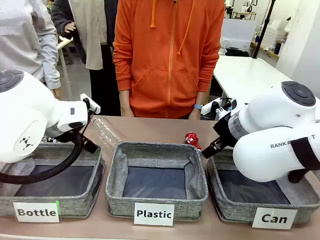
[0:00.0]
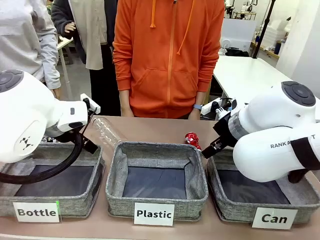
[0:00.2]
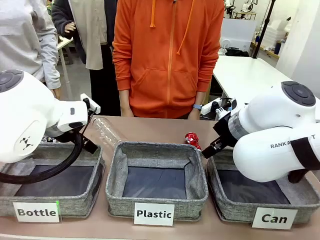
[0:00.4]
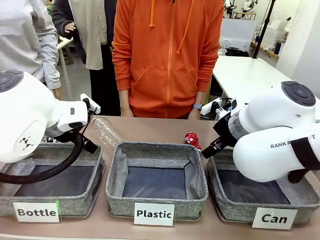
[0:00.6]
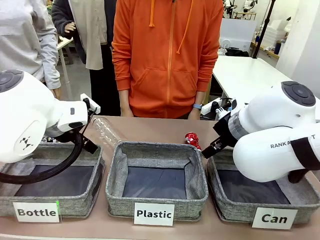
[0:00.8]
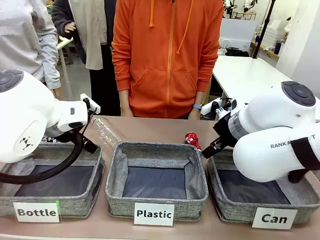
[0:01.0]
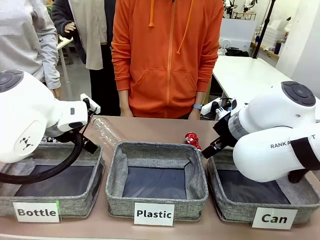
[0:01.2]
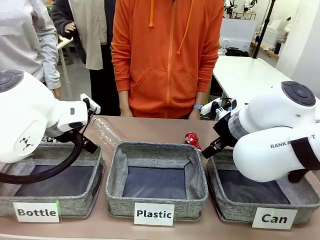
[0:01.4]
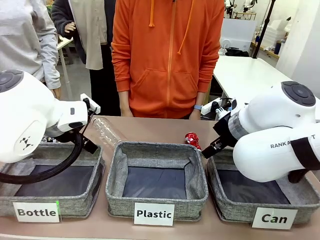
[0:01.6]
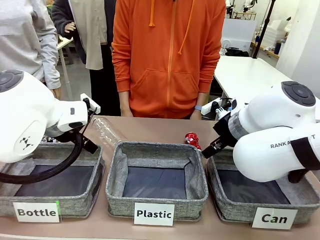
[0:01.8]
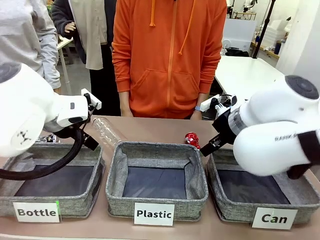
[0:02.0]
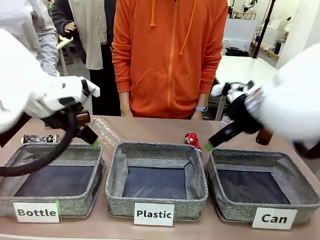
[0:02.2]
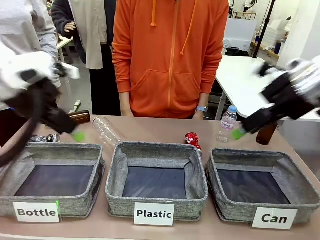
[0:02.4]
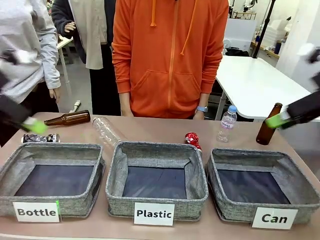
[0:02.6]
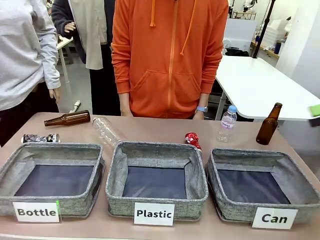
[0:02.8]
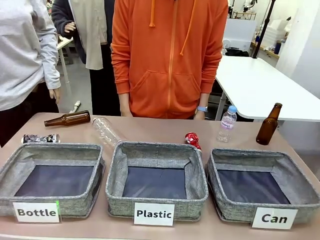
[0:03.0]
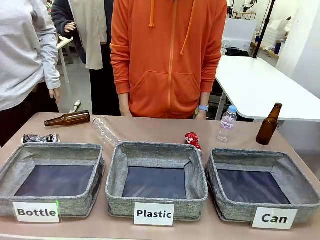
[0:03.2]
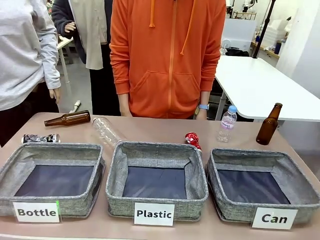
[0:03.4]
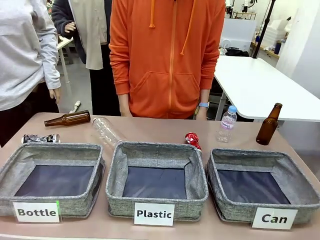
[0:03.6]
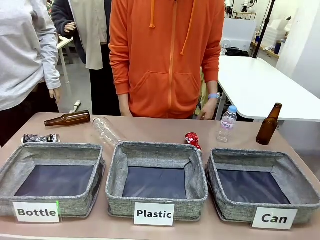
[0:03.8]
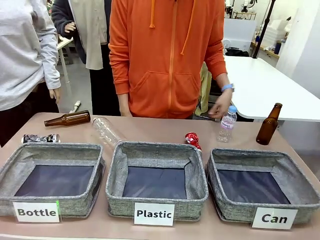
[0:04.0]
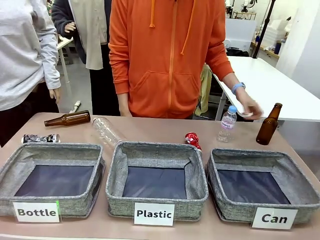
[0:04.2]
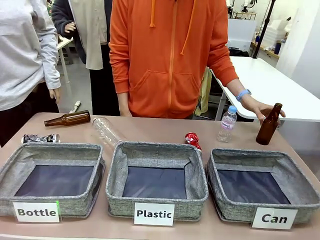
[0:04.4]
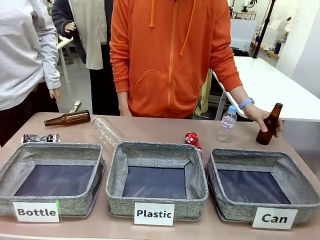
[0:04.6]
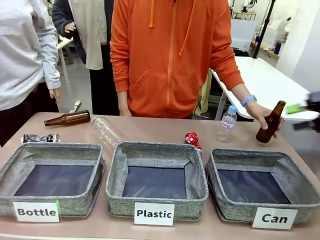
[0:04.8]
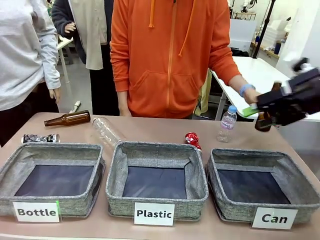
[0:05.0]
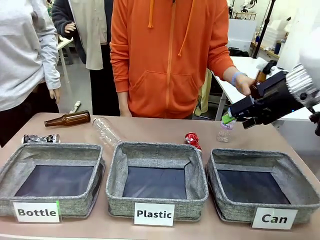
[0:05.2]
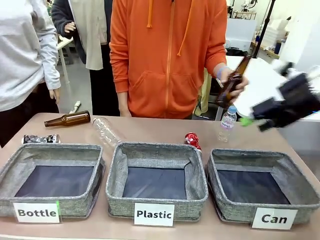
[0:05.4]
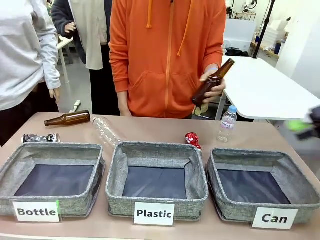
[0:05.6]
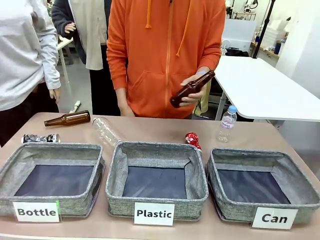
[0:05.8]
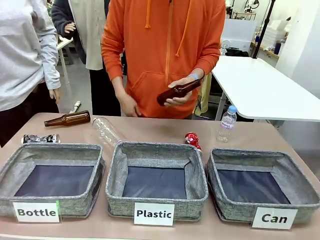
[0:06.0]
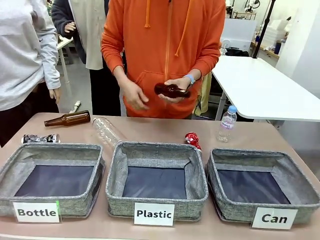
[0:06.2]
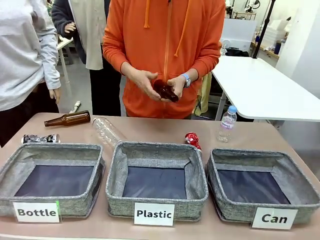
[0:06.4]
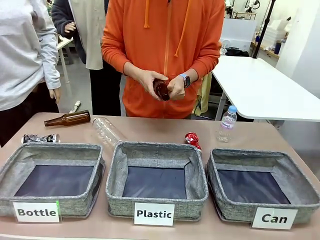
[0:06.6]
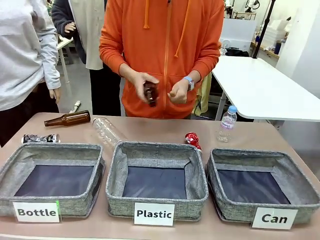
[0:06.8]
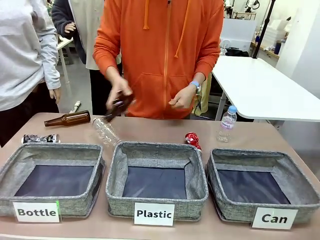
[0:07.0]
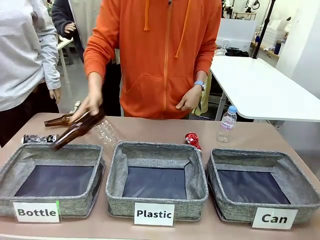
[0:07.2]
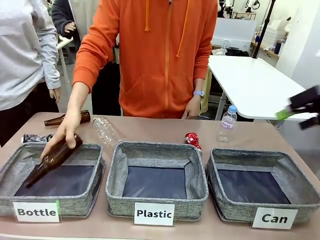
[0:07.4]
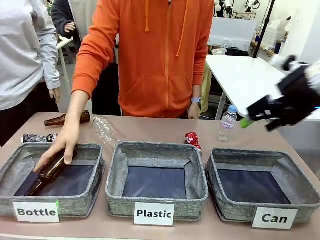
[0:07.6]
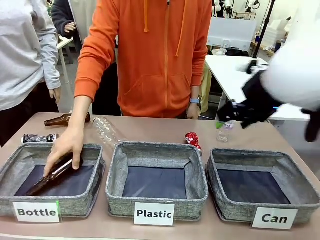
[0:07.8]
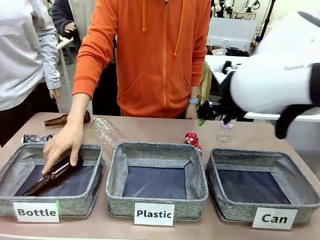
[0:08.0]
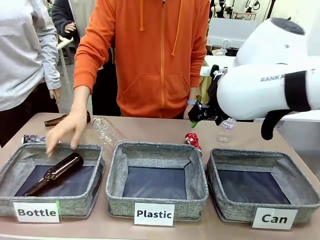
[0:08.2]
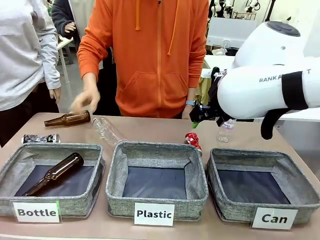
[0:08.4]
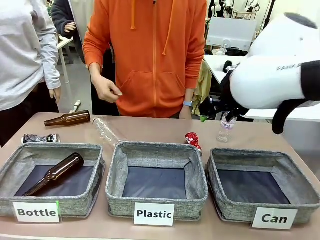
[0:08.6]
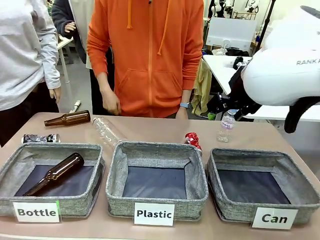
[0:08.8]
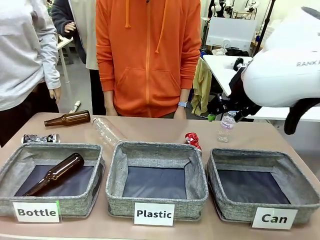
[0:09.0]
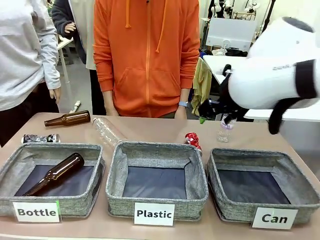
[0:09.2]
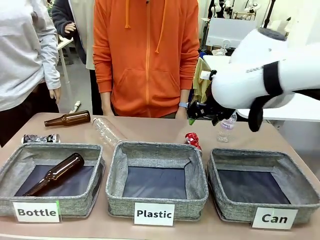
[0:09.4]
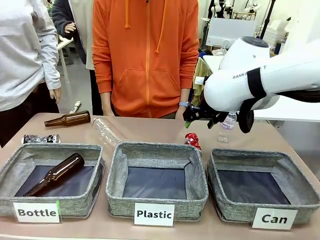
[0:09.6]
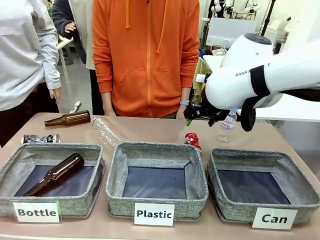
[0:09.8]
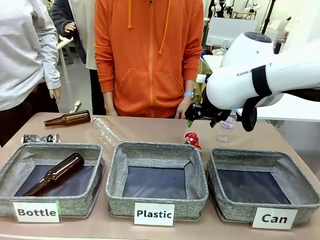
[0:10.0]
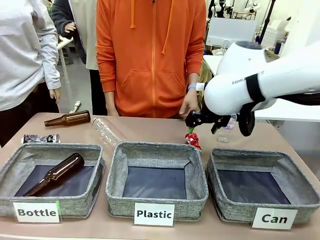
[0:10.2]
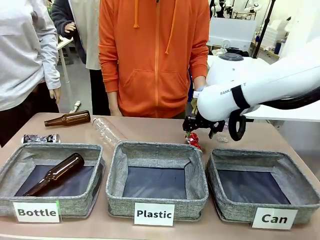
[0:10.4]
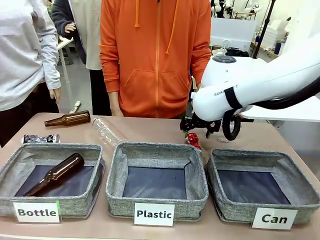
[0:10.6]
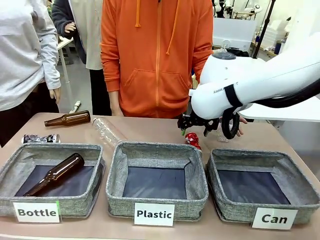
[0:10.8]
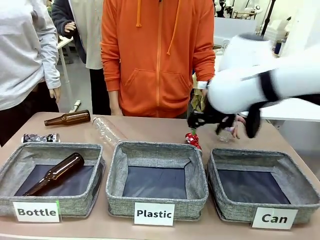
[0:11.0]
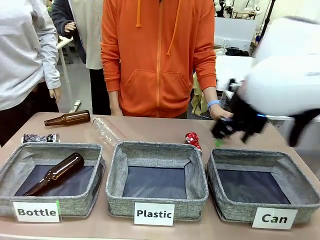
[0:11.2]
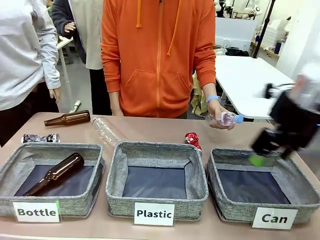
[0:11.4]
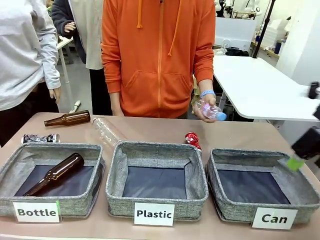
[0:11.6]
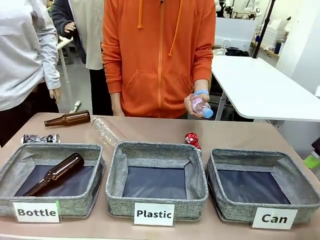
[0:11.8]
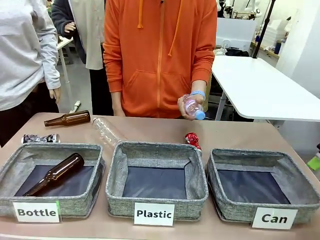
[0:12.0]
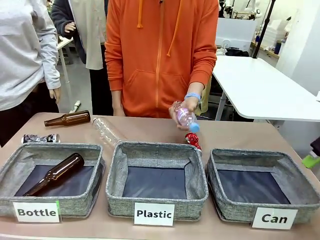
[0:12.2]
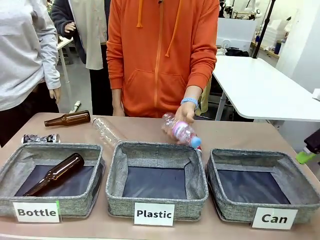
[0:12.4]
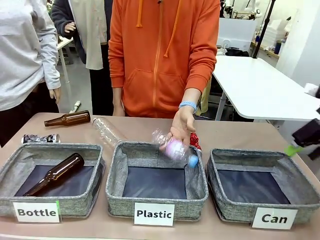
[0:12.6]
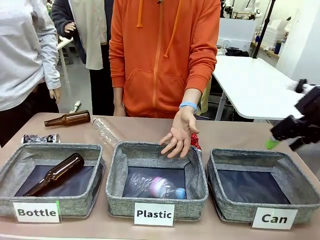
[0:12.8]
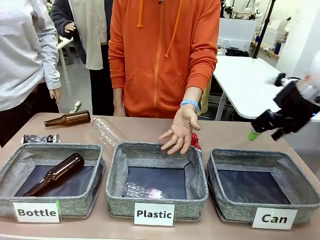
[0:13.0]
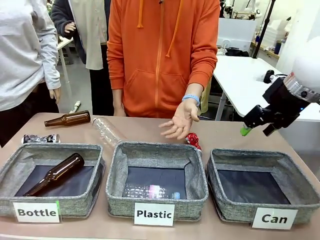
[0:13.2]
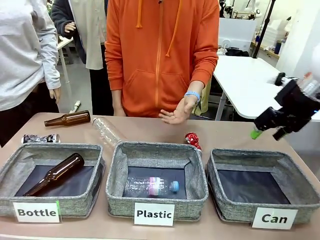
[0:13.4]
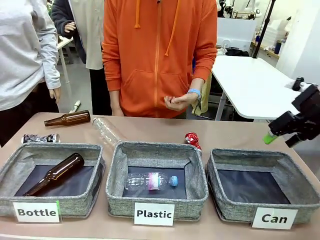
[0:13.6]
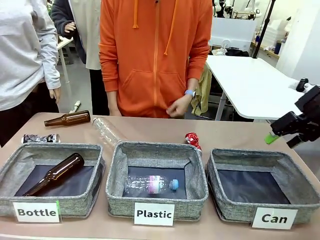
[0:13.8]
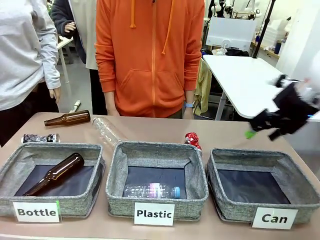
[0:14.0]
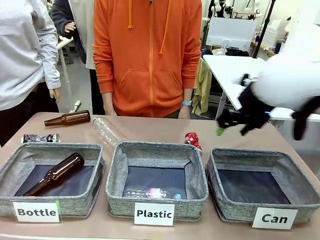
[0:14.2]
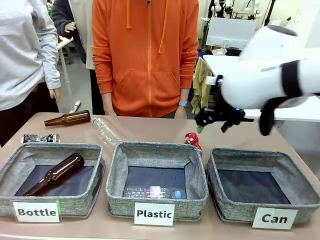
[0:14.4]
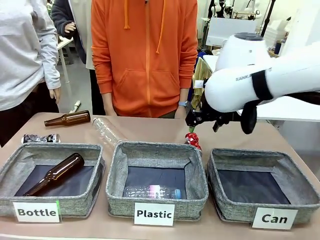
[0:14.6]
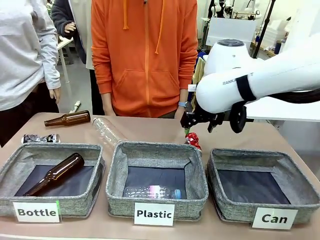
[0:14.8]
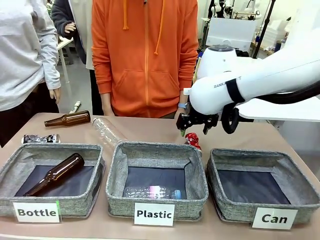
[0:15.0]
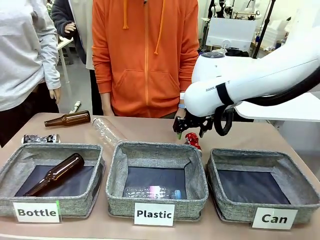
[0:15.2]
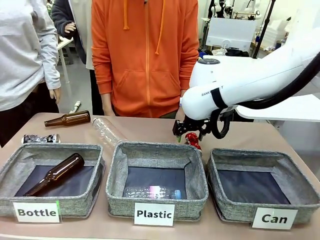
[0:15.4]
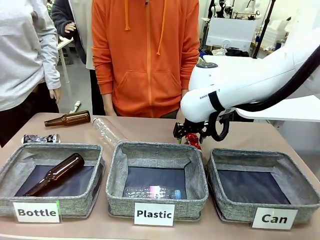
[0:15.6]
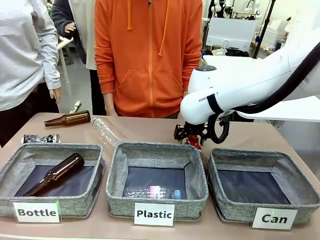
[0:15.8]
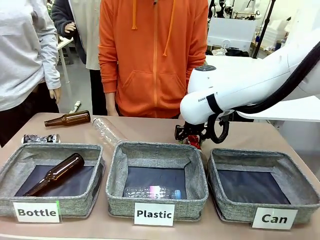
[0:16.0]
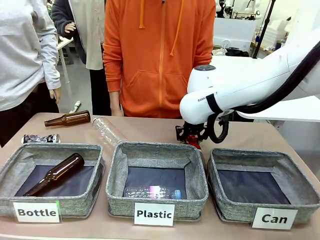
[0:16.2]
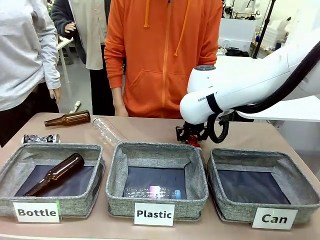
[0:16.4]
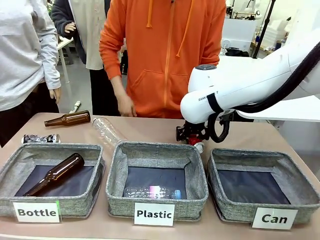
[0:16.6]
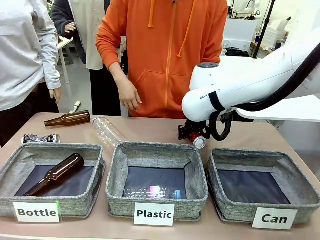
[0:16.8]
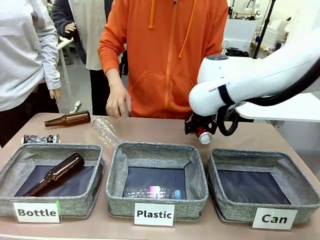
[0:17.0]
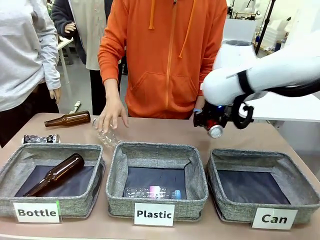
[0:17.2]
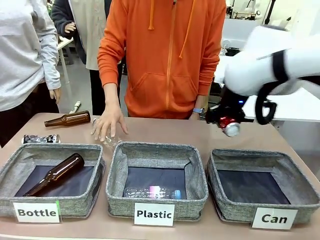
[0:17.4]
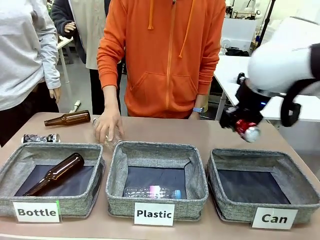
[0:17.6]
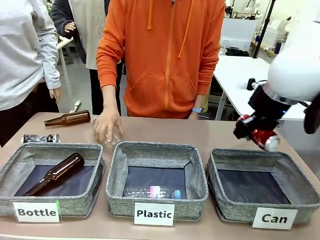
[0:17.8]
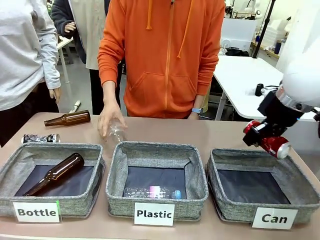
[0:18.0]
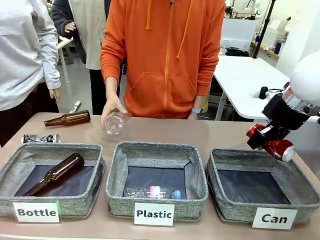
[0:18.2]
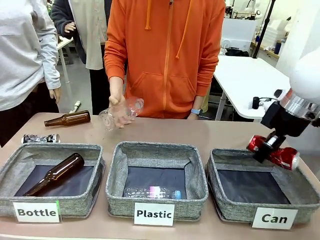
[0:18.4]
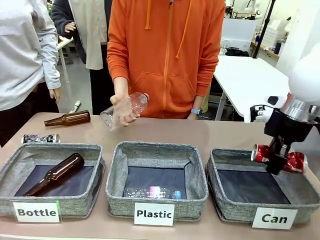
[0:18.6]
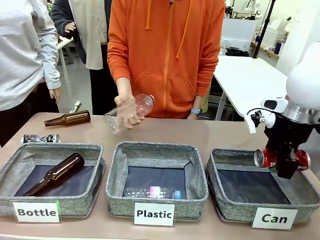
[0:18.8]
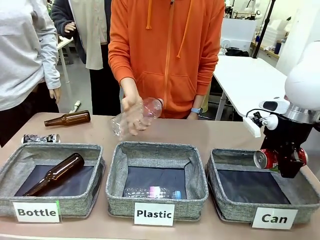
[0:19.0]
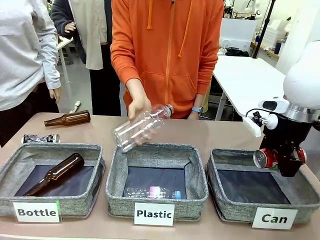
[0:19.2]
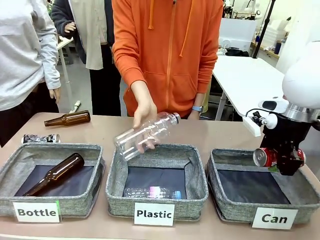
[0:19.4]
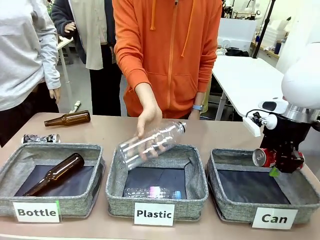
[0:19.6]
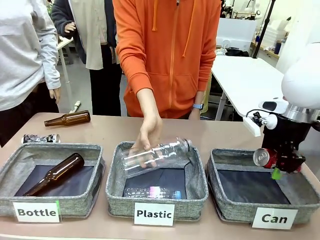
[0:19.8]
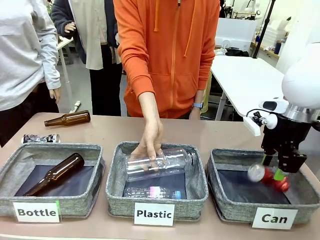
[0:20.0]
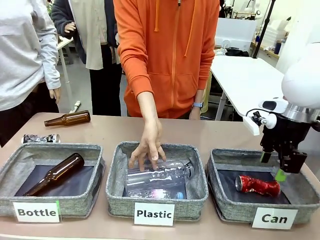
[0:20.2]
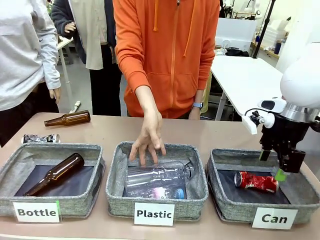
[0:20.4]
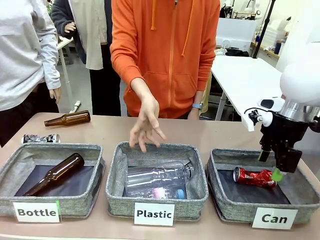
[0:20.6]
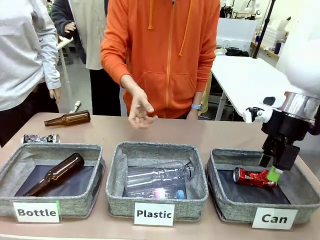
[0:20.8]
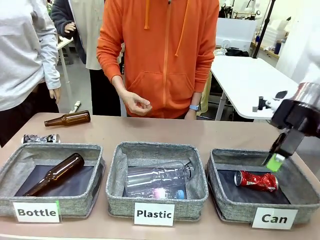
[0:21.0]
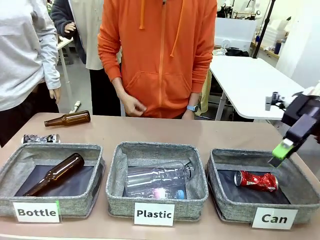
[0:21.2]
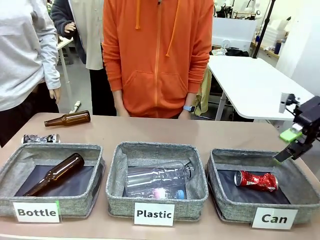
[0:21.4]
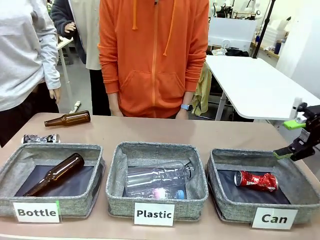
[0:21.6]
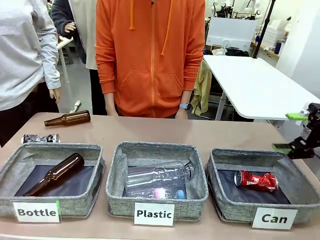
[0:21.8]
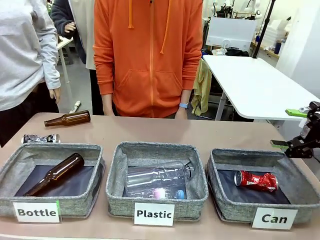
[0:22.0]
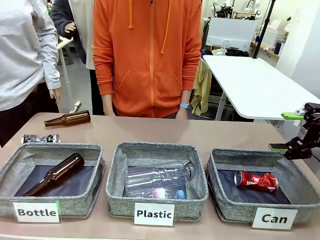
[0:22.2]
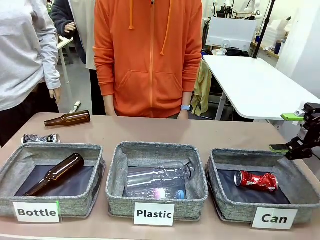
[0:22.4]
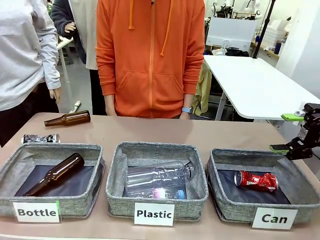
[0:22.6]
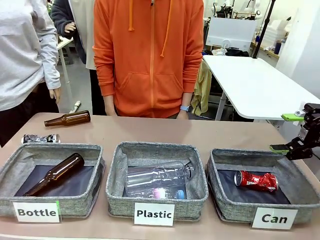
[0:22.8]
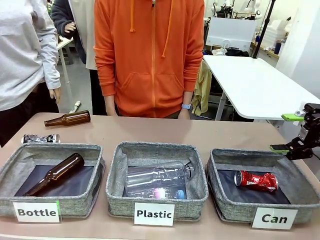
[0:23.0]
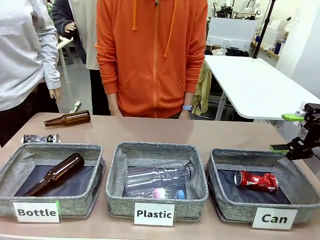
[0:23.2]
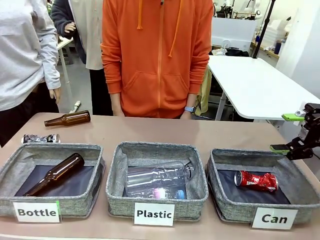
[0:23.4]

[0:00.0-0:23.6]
Task: Sort the can waste into the basket.
Robot: Pick up the can waste from the table and place it in the right Fabric basket.
